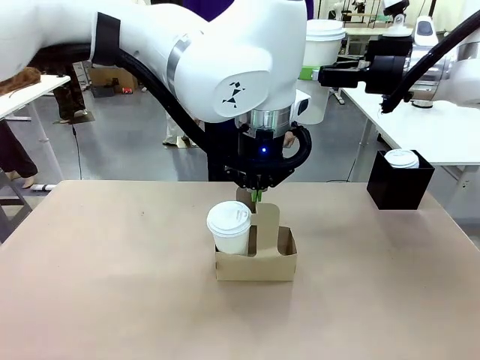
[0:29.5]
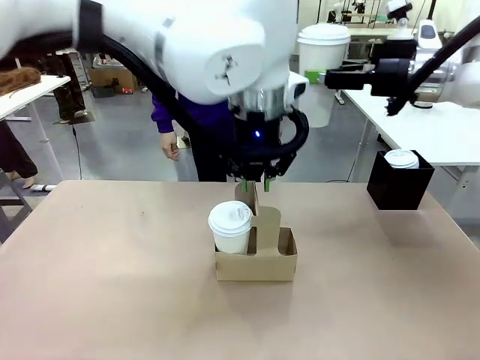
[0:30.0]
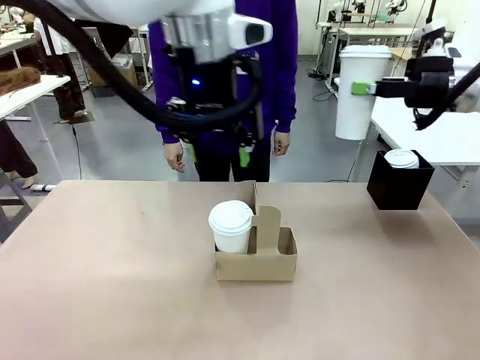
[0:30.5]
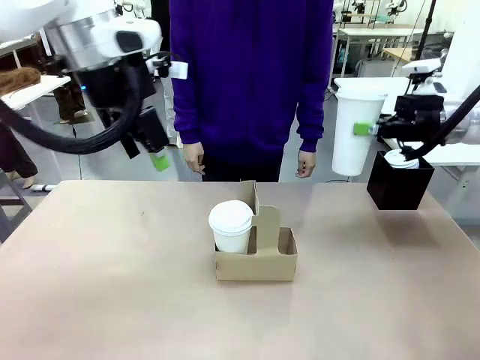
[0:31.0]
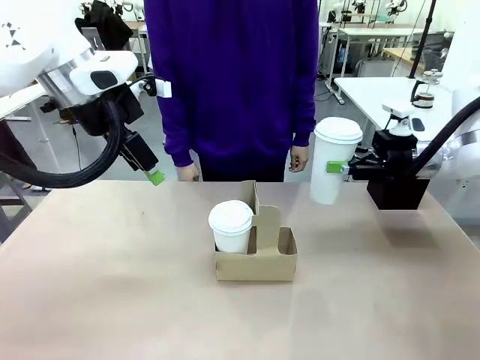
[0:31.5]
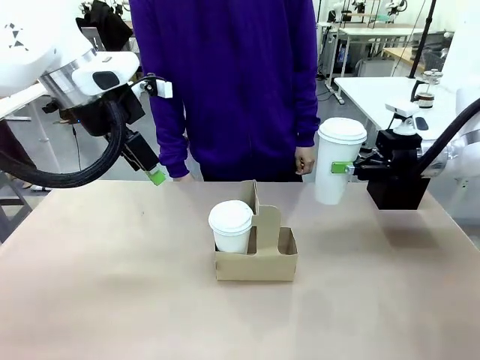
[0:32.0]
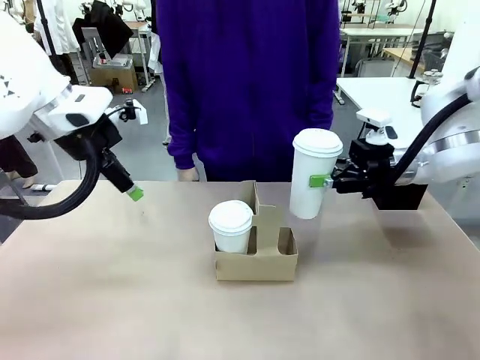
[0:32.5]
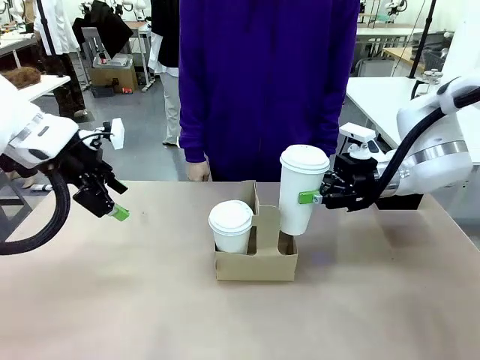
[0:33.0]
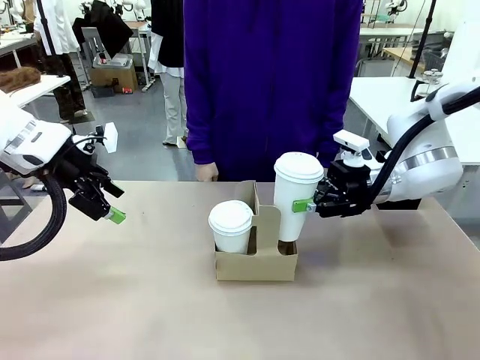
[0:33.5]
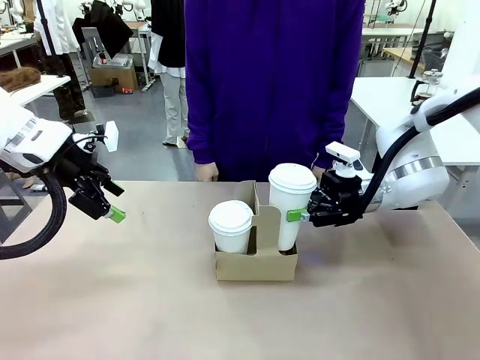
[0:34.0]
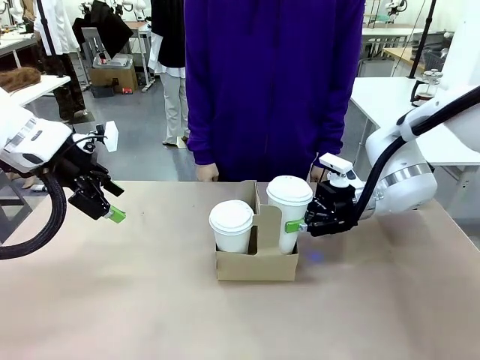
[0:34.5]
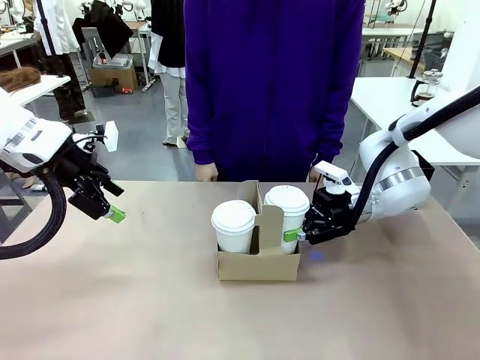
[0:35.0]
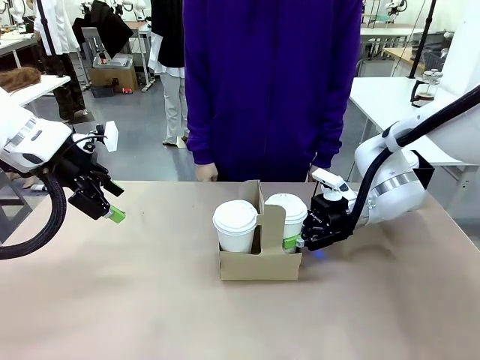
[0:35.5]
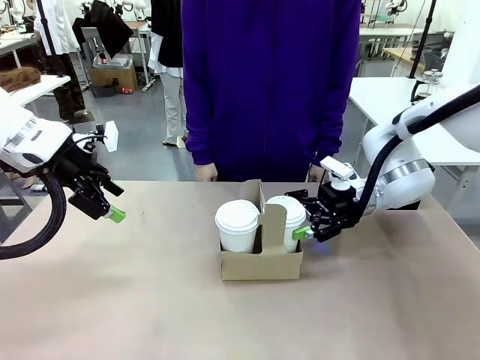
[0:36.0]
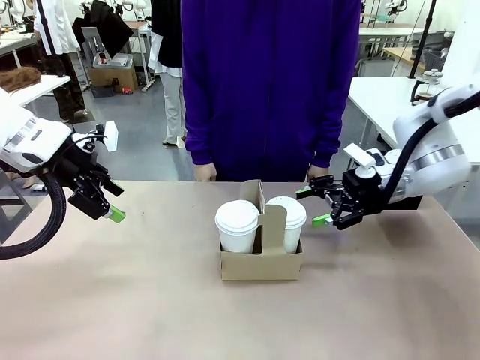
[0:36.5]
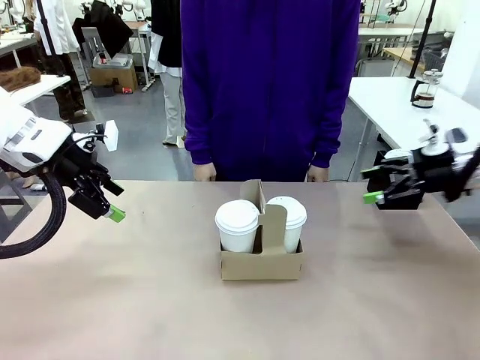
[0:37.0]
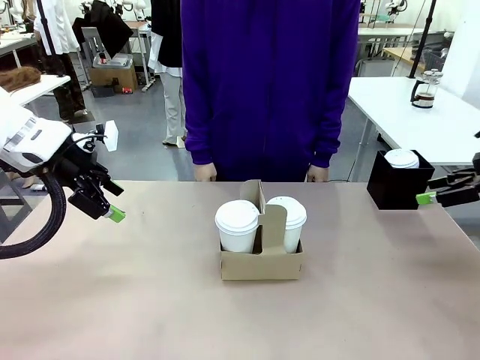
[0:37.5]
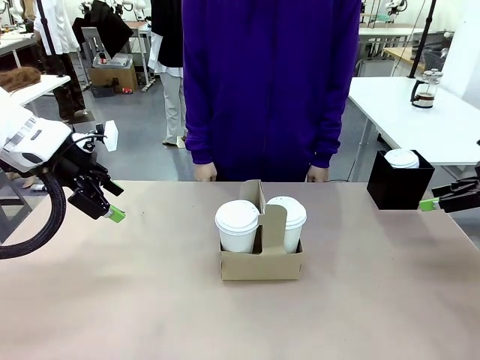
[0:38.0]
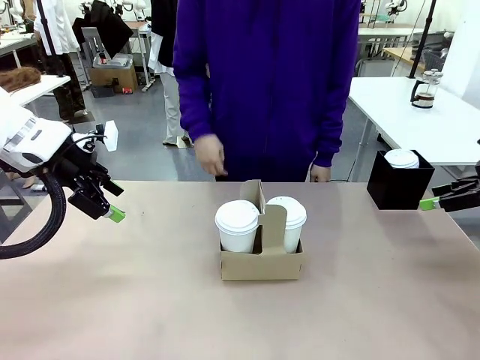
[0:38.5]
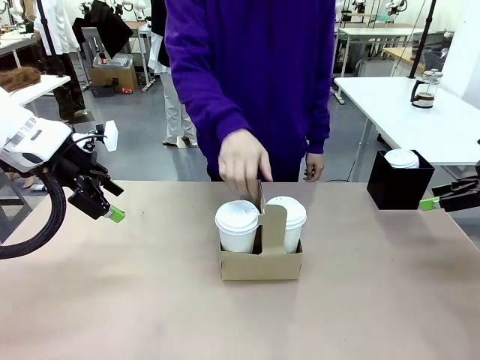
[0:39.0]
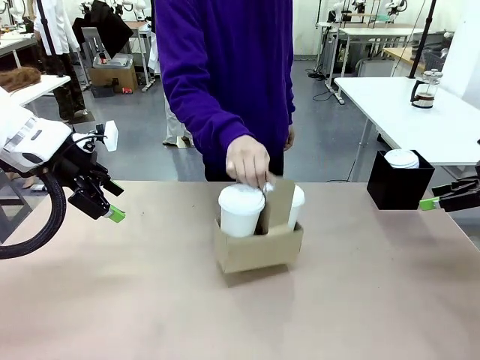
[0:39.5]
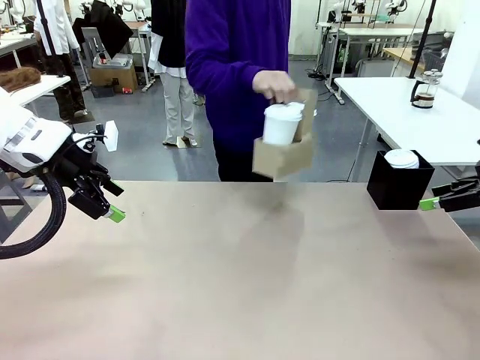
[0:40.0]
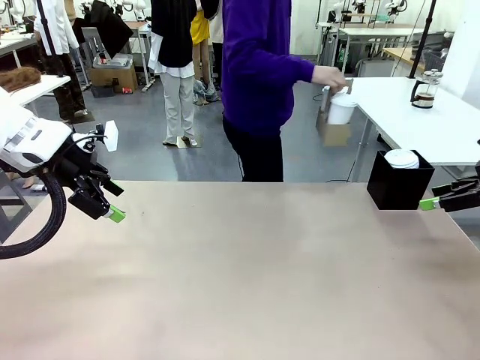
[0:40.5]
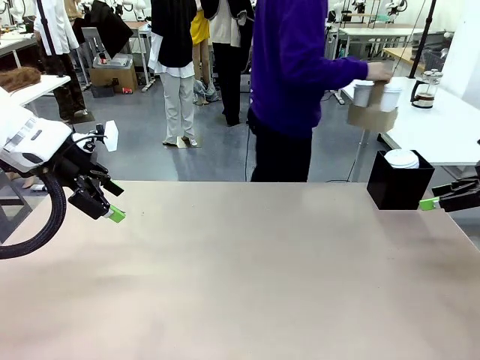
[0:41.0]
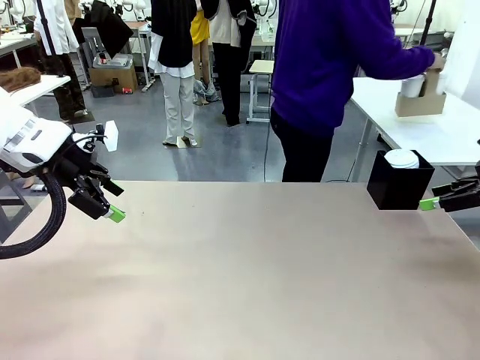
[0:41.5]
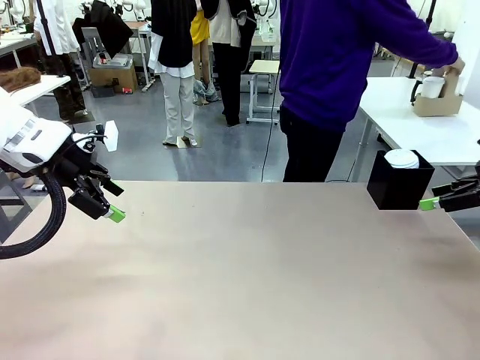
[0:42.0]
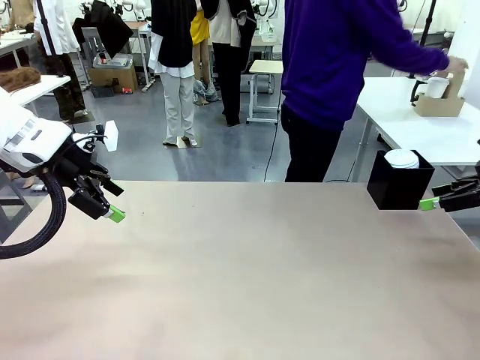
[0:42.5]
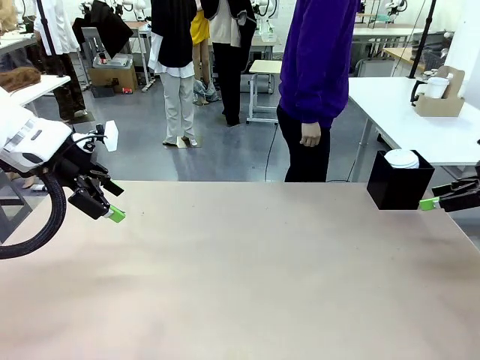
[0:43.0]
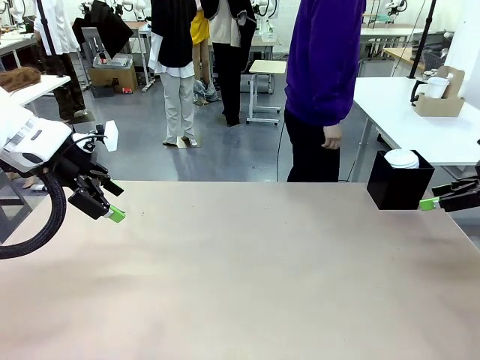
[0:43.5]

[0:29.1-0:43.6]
Task: Pour a drink into a cup and package it in a carrier.
Robot: Insert the held 600 ml Paper Cup into the Cup Carrier.
Person: Place the Cup Carrier to the middle of Human table.

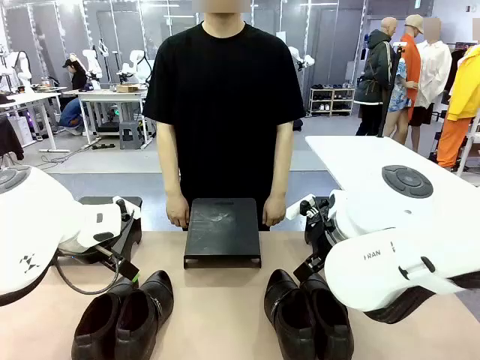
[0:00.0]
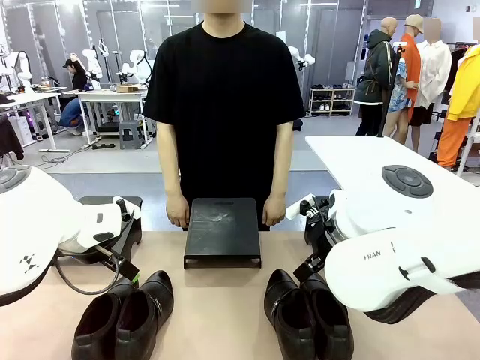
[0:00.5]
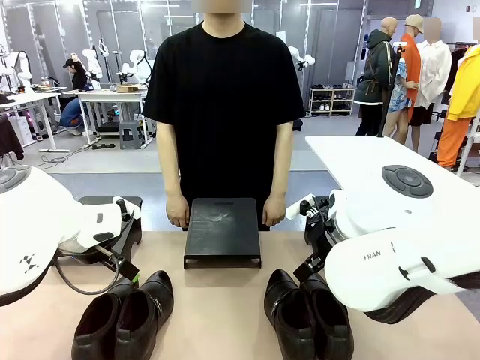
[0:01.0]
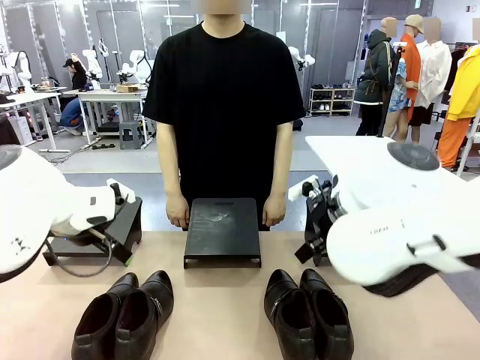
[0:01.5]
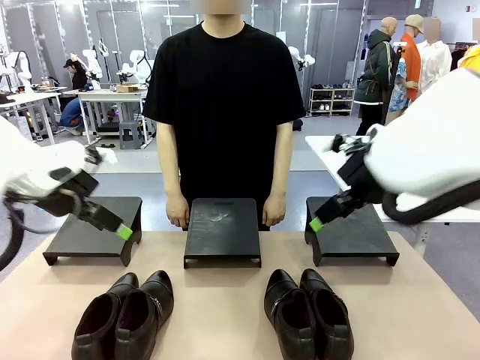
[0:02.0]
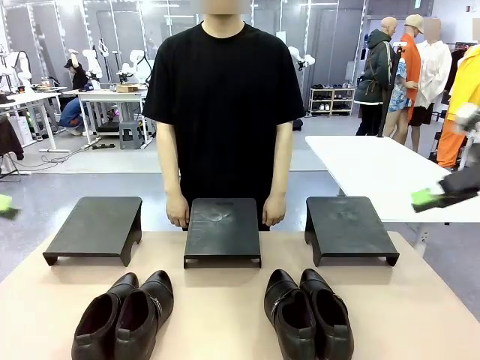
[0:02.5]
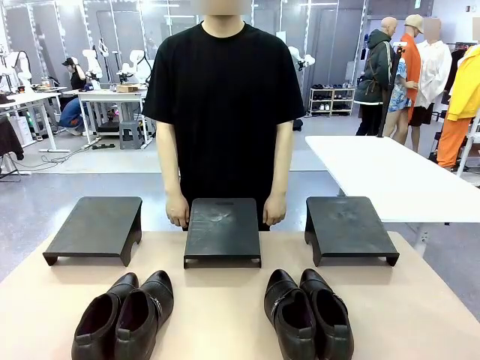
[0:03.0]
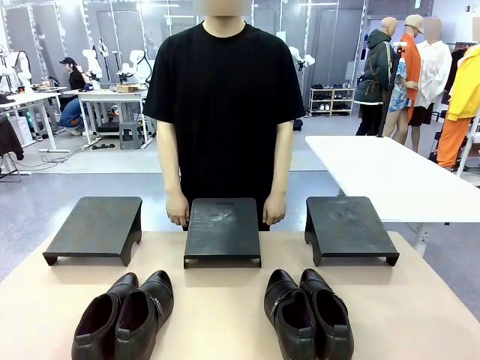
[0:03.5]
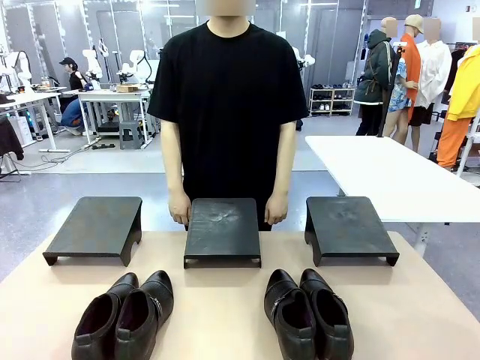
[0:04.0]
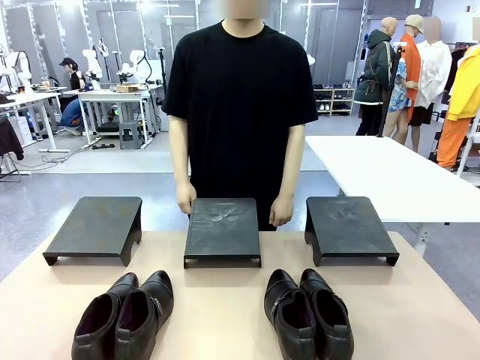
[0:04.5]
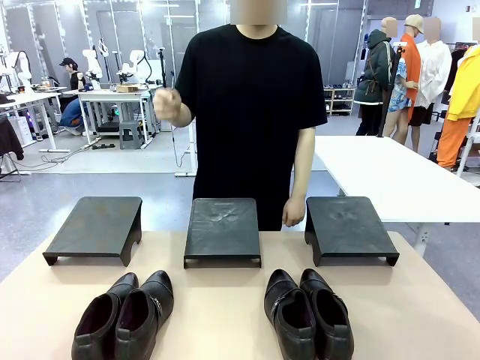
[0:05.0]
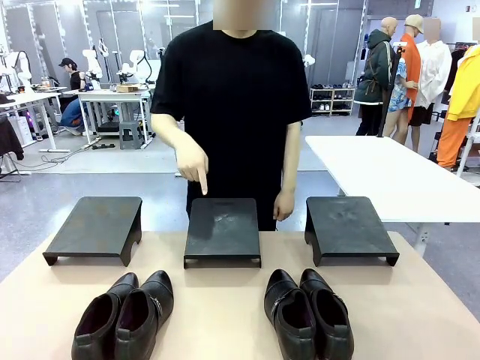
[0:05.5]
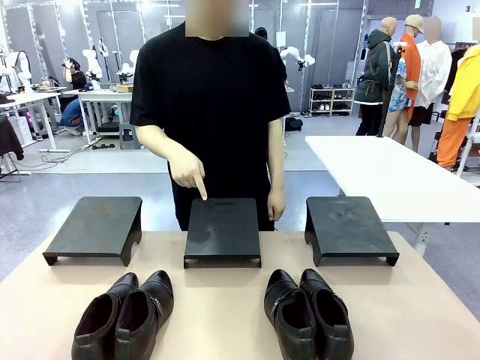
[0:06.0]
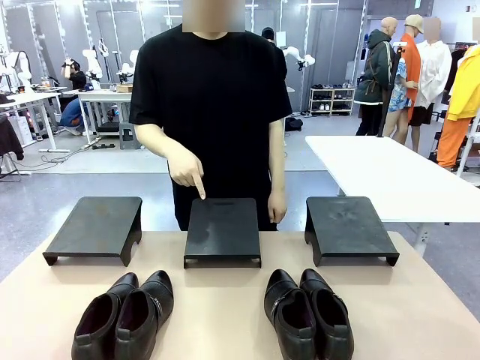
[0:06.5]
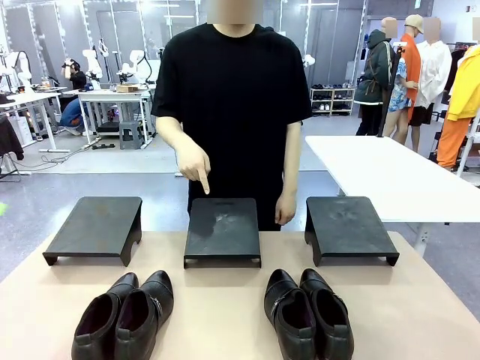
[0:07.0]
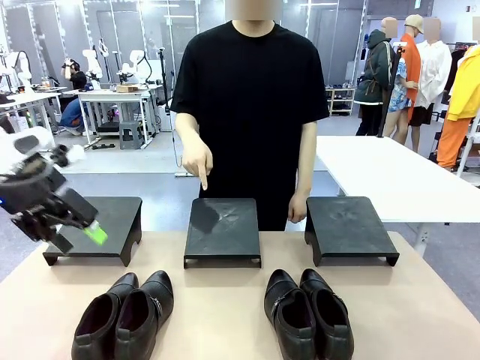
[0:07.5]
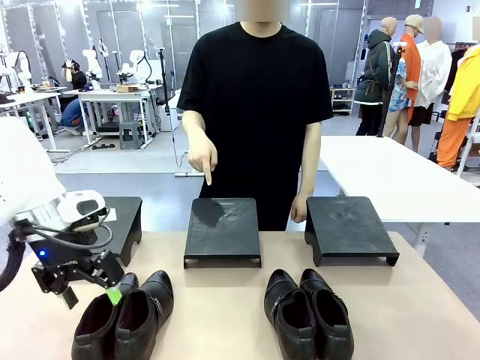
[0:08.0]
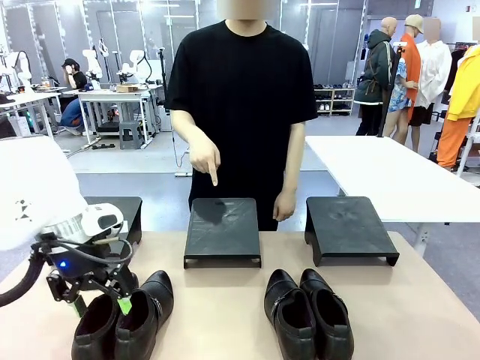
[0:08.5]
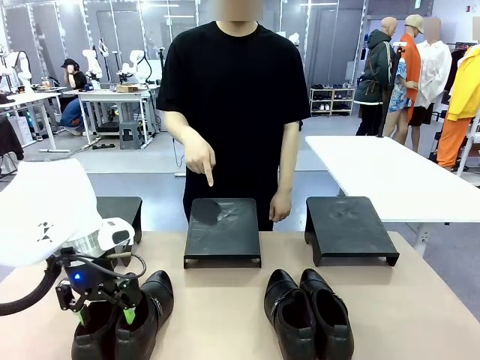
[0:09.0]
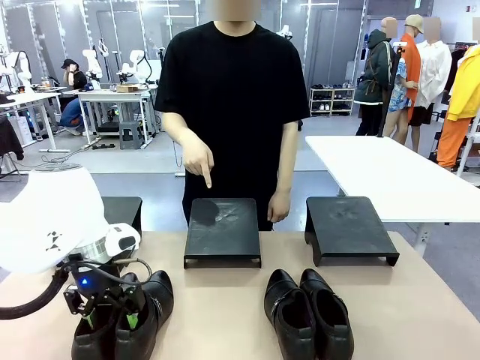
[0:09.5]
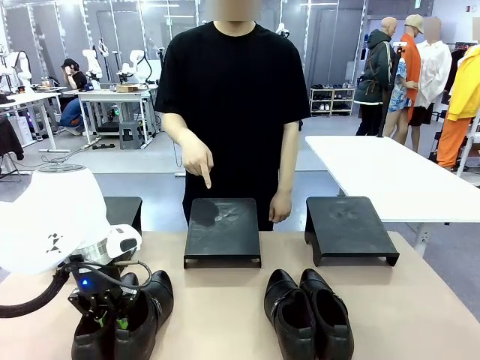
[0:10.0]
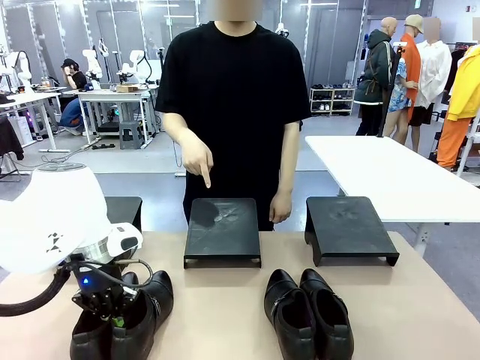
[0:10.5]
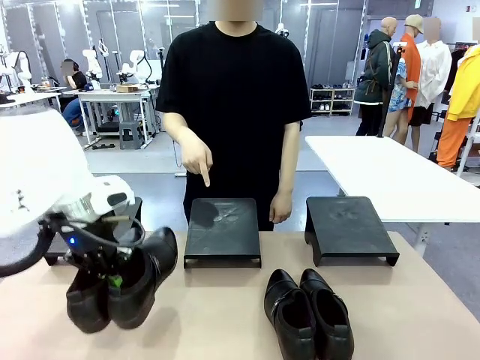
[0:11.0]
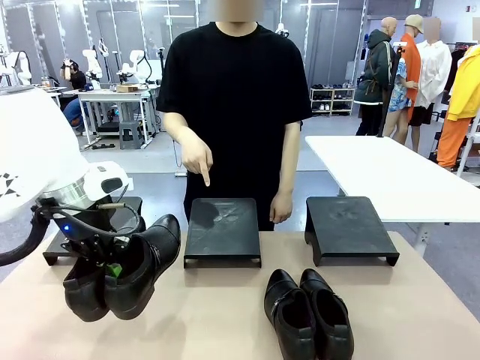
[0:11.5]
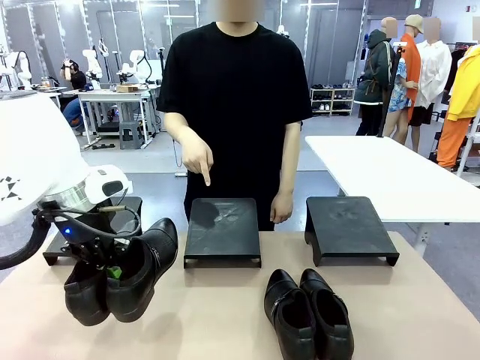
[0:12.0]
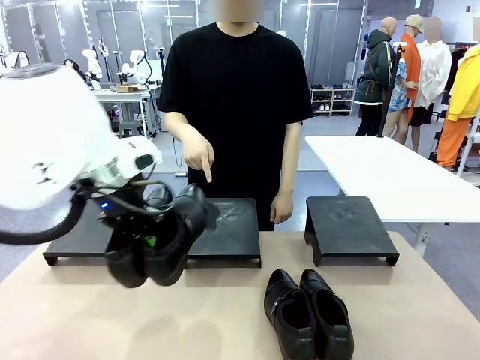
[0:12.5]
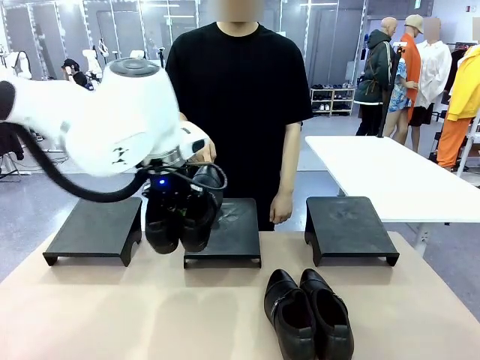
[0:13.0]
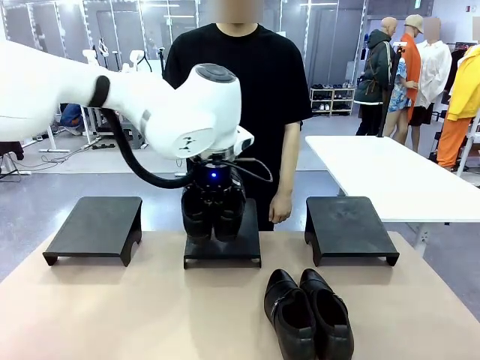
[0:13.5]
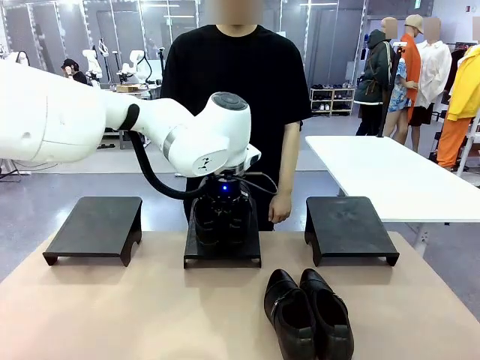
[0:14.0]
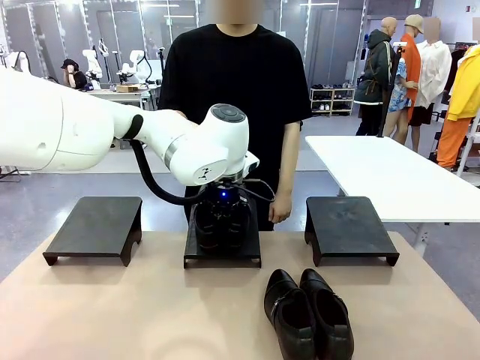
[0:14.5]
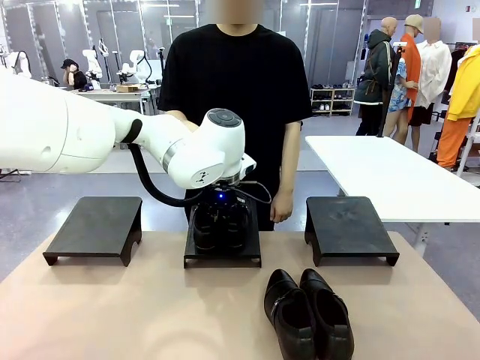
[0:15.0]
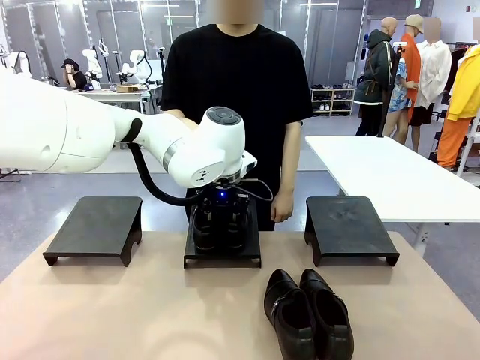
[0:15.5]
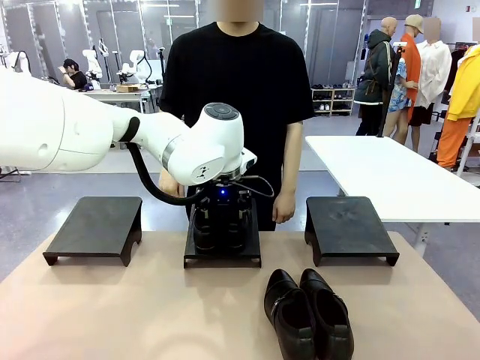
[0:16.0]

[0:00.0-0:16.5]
Task: Place the shoes on the stand as instructed by the person.
Robot: Pick up one pair of Shoes and place it on the Shoes Stand indicated by the person.
